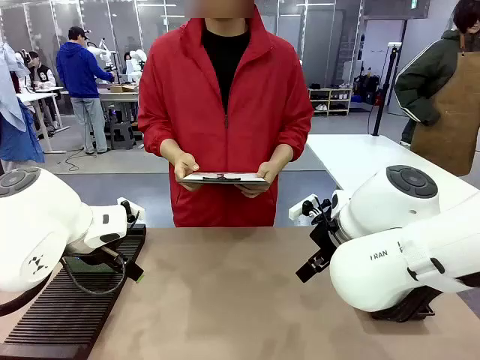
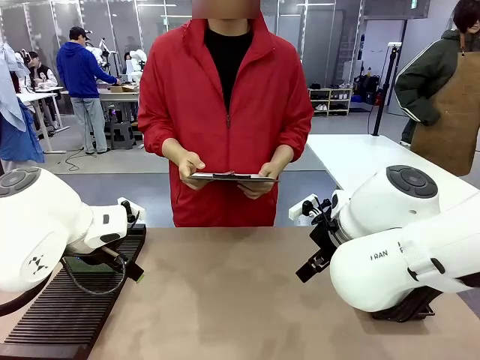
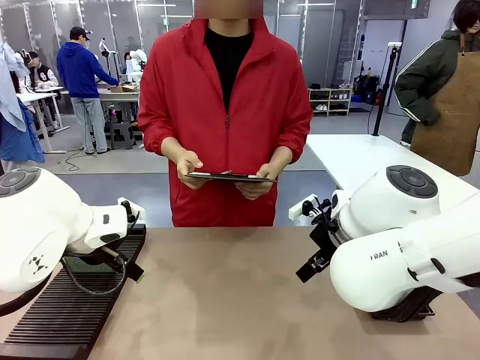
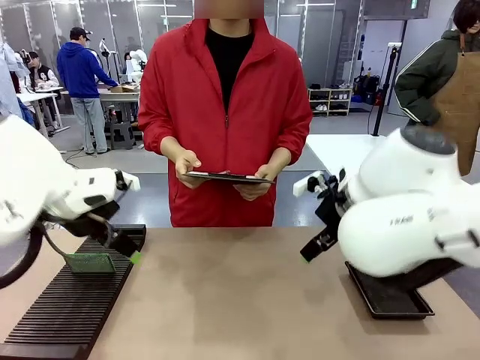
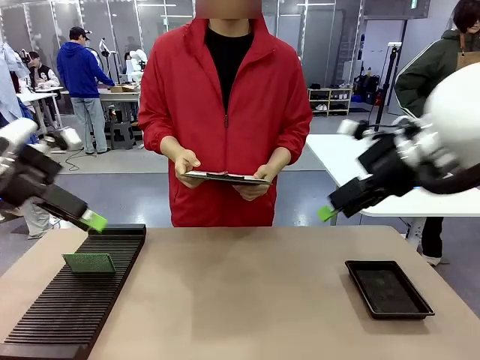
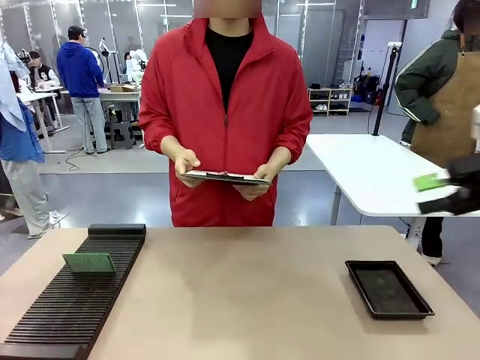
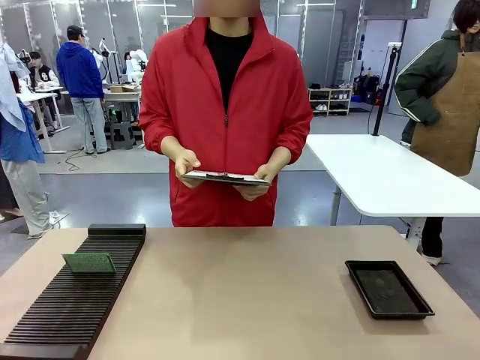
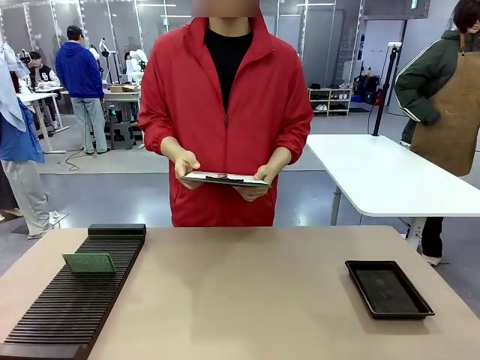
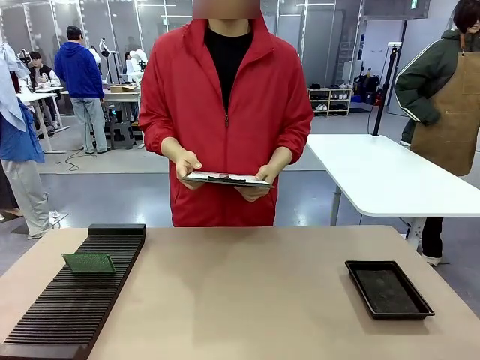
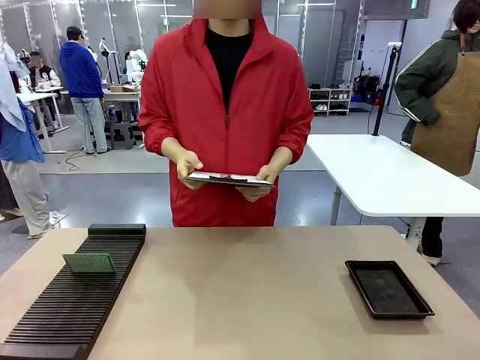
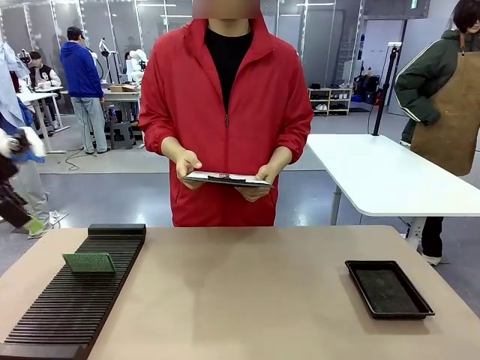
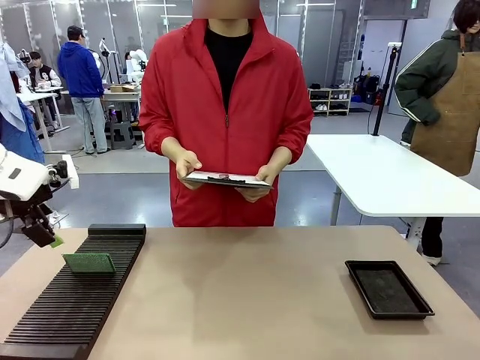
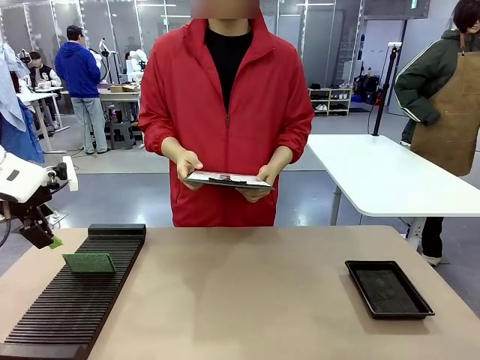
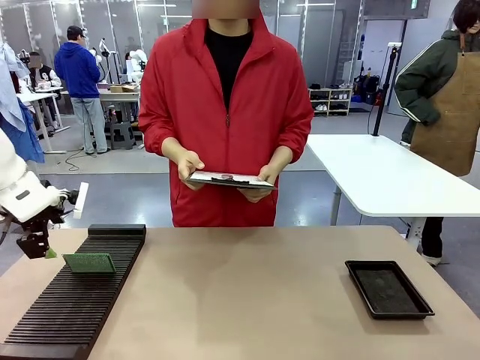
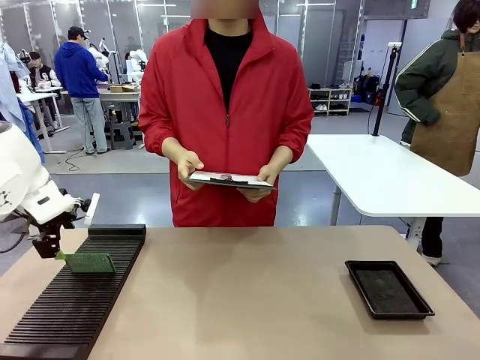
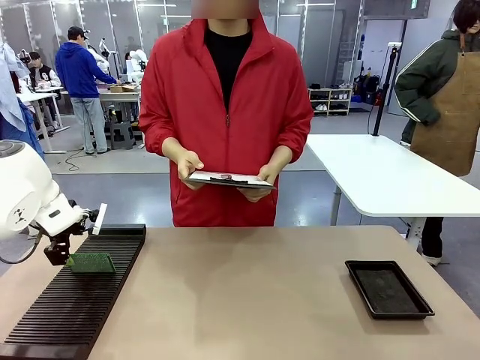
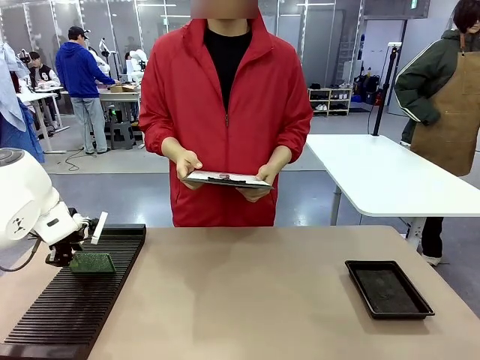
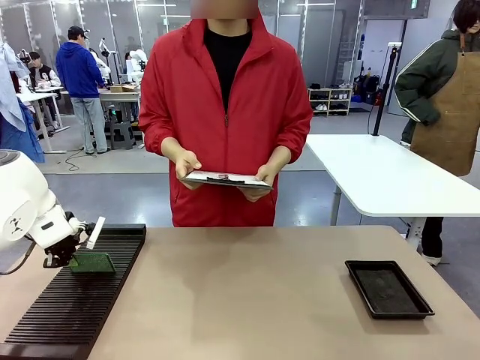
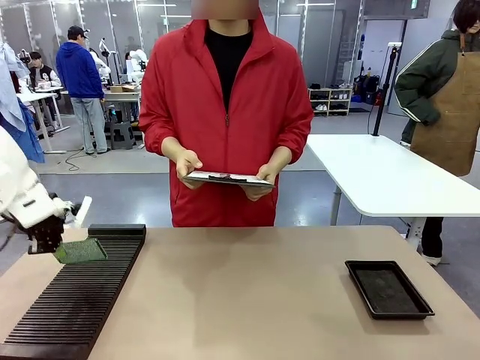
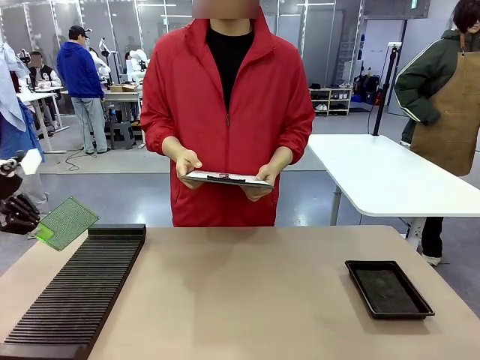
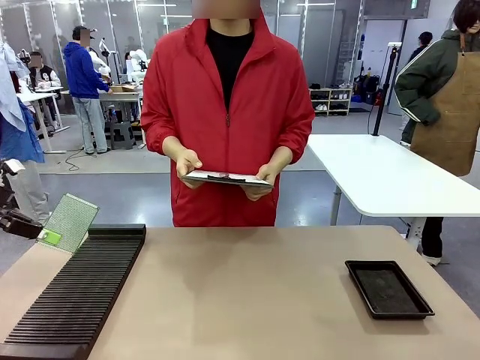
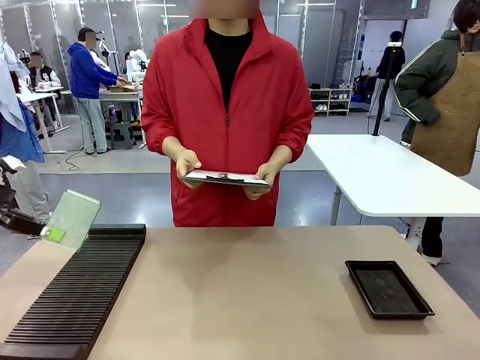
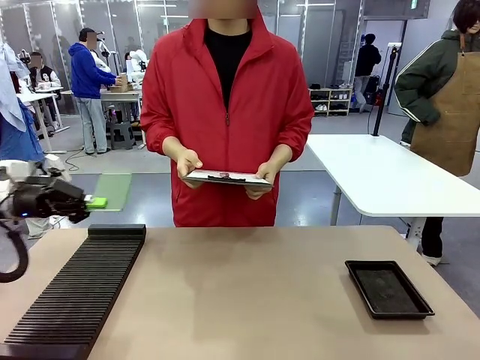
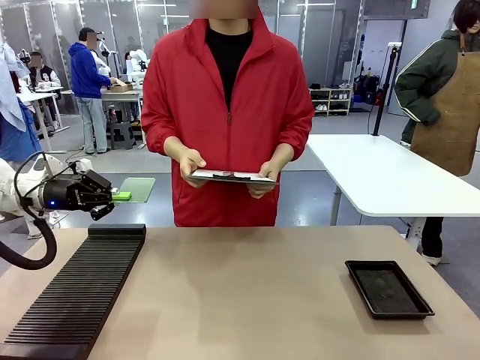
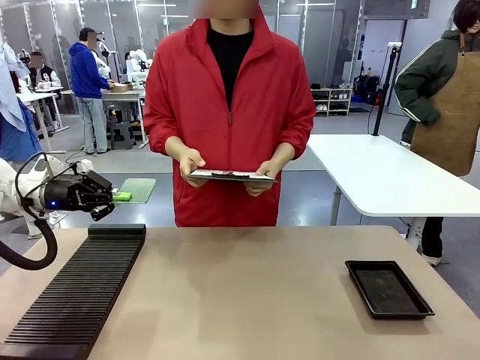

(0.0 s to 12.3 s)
Task: Inspect the PCB.
Robot: Pick up the Blank PCB and present it to the human.
Person: Pick up the PCB presented by the robot.

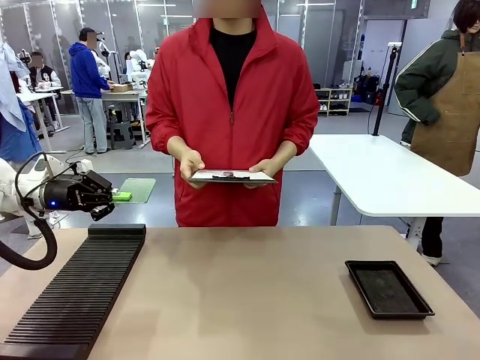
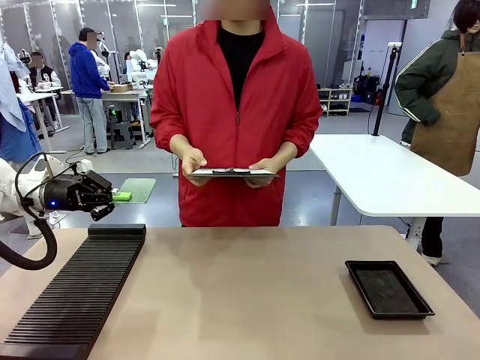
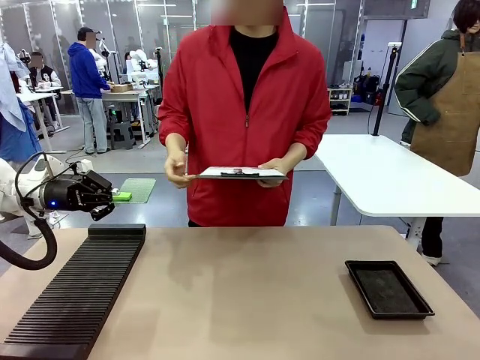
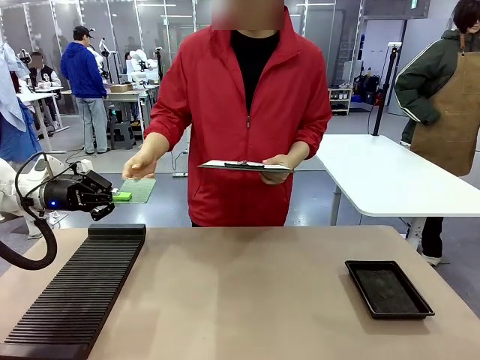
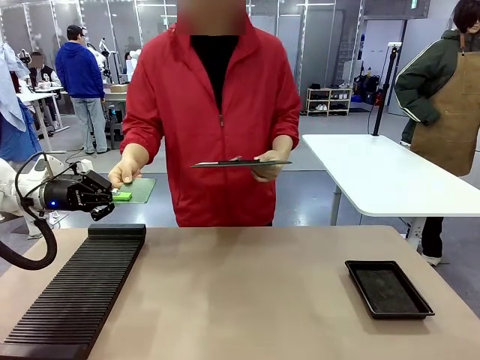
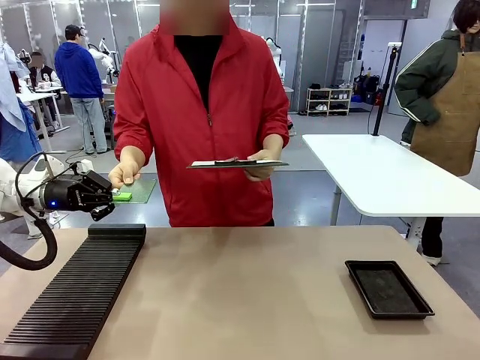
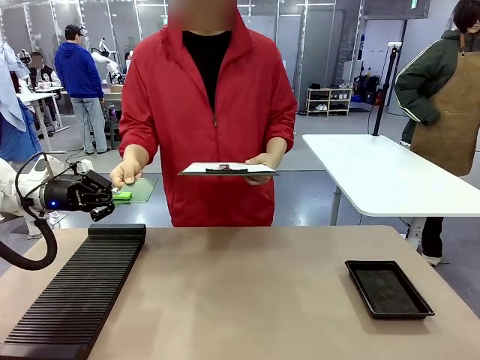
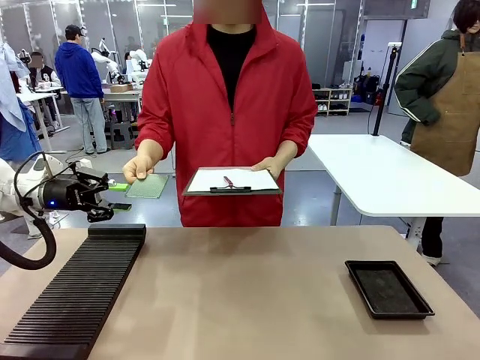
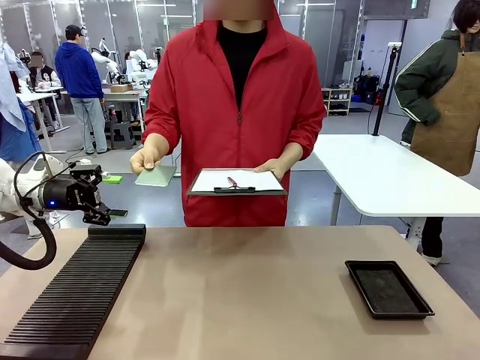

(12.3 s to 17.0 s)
Robot: Release the Blank PCB you were holding.

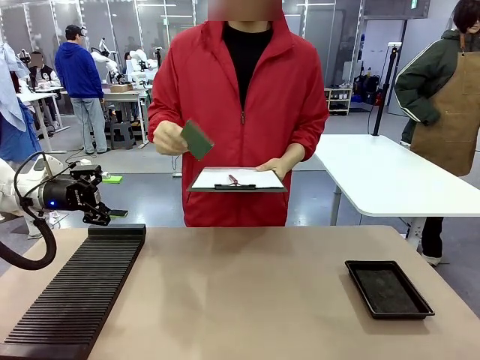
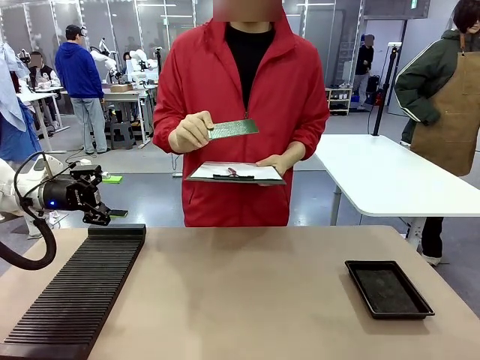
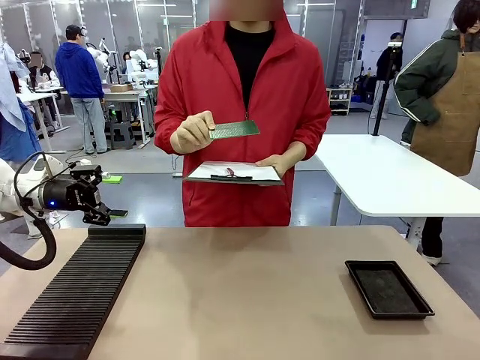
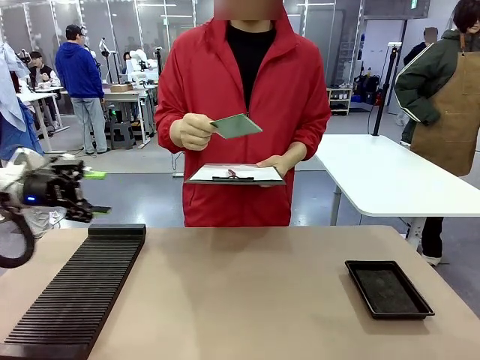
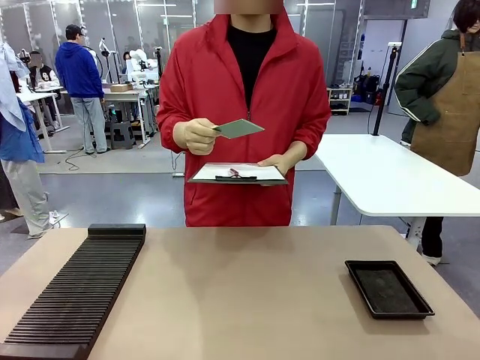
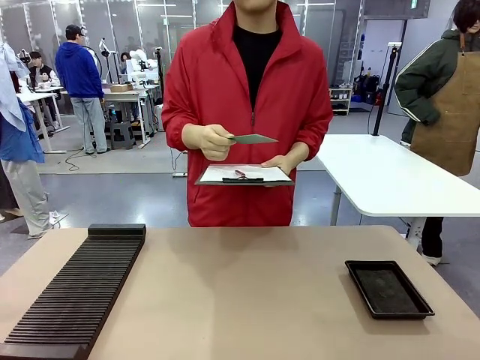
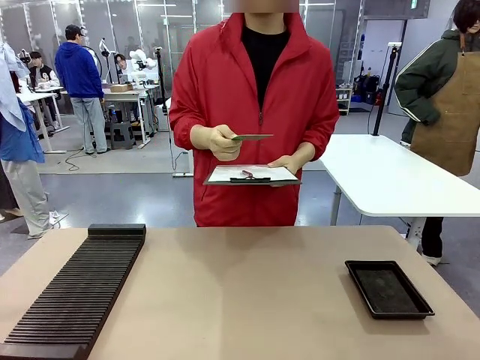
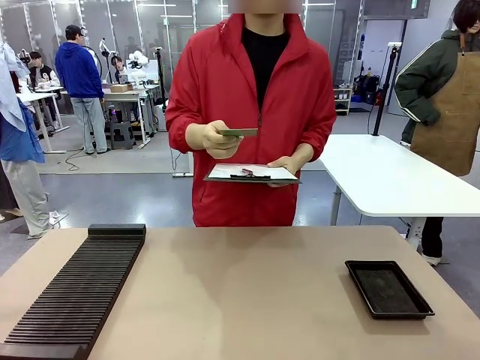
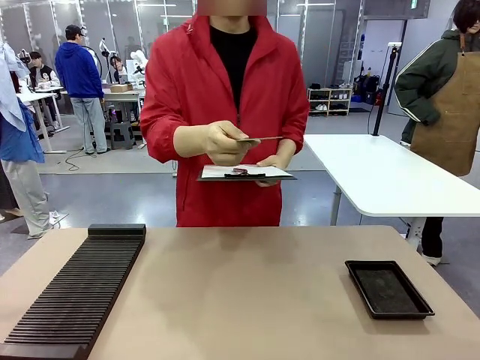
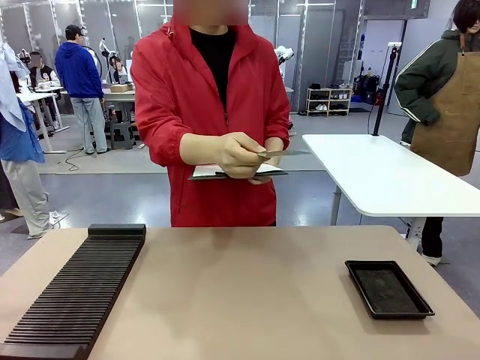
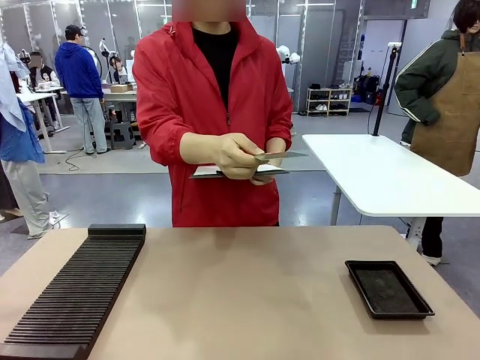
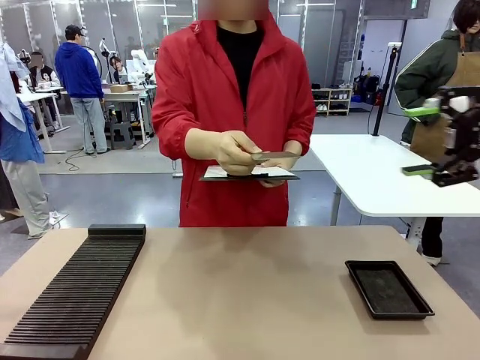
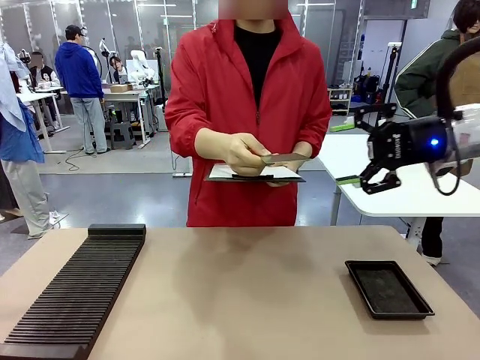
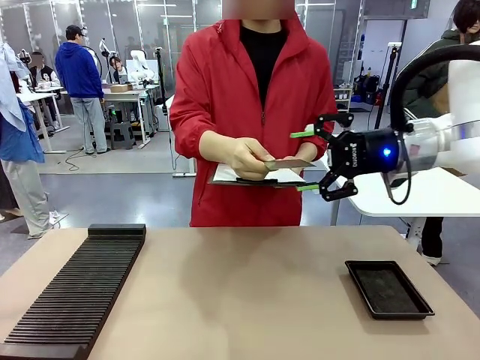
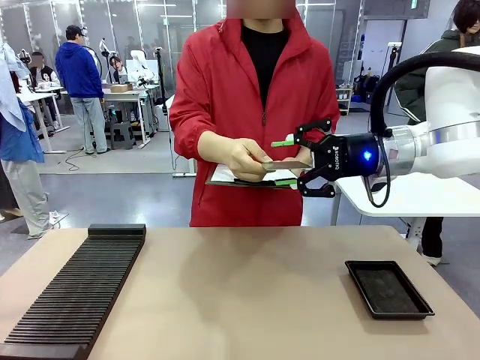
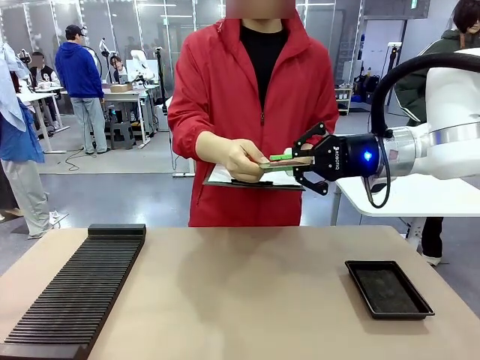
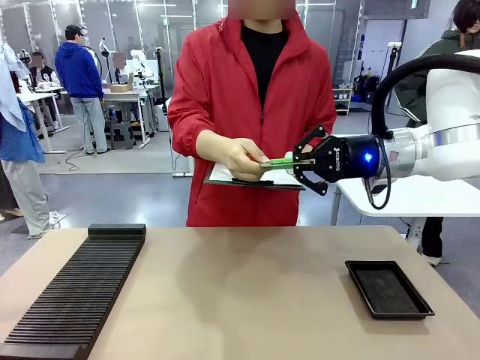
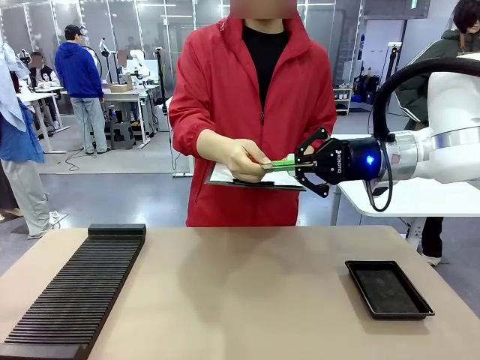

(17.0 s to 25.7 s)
Robot: Pick up the Blank PCB that the human is holding.
Person: Inspect the PCB placed by the robot, then hold it out in front of the robot. Release the PCB you were holding.
